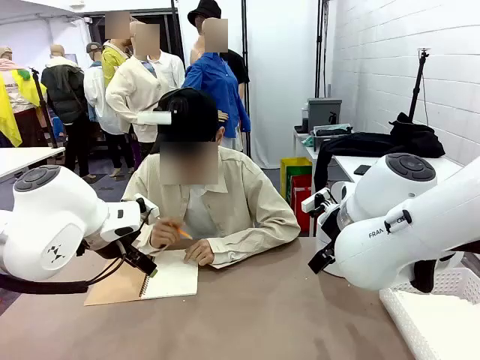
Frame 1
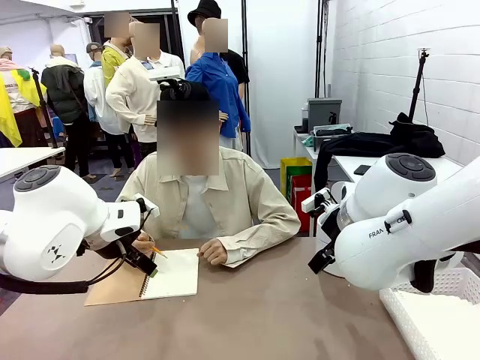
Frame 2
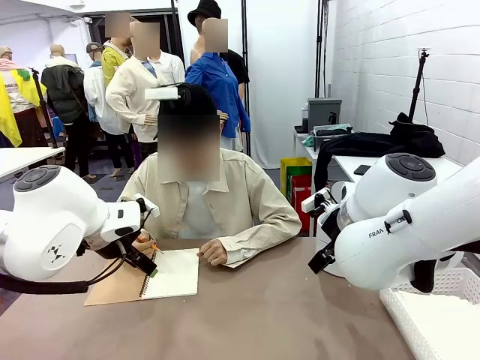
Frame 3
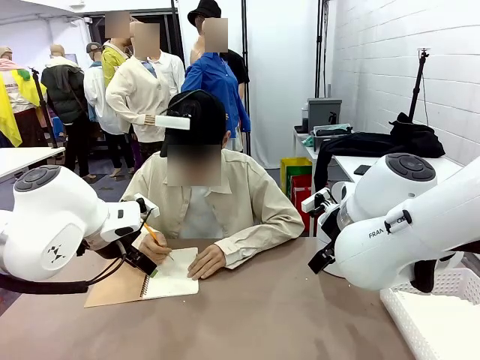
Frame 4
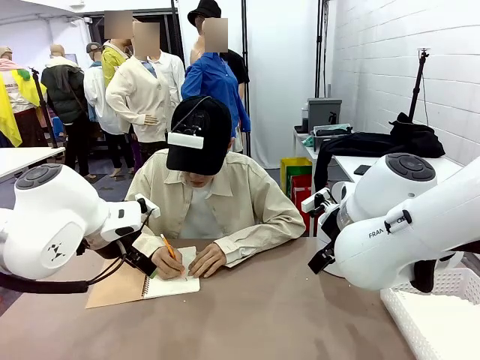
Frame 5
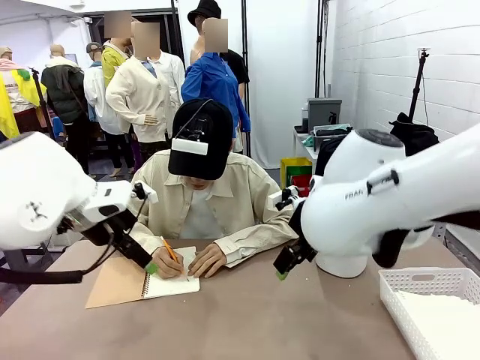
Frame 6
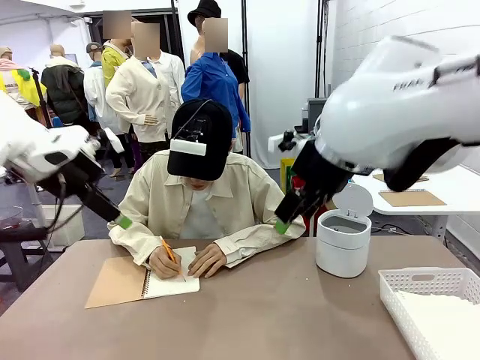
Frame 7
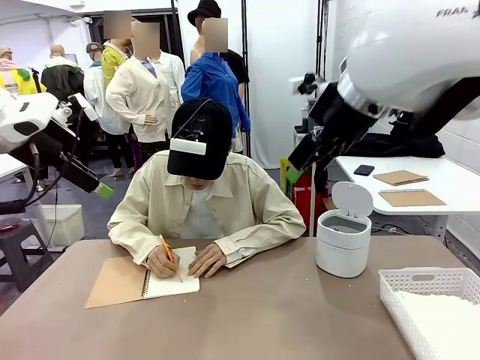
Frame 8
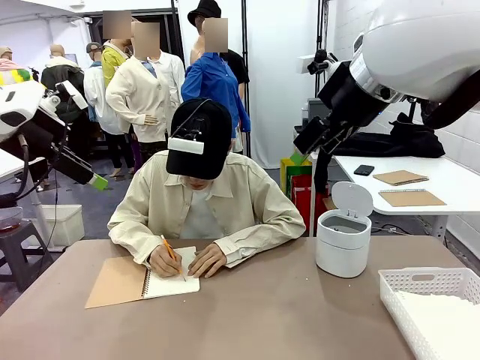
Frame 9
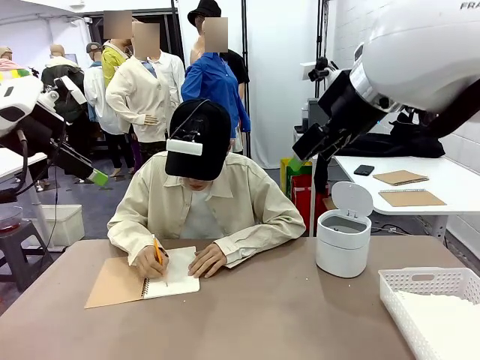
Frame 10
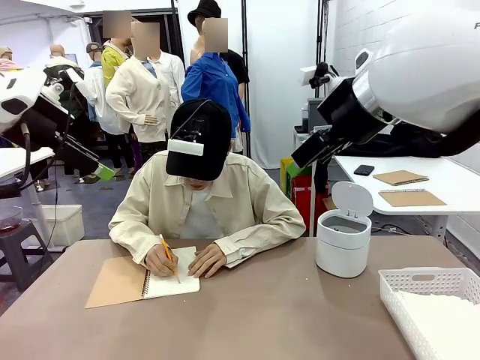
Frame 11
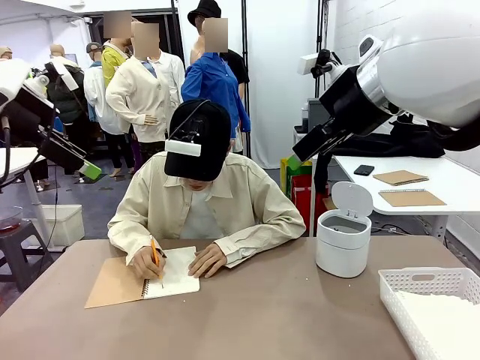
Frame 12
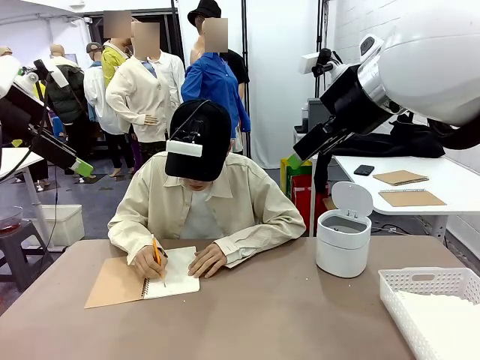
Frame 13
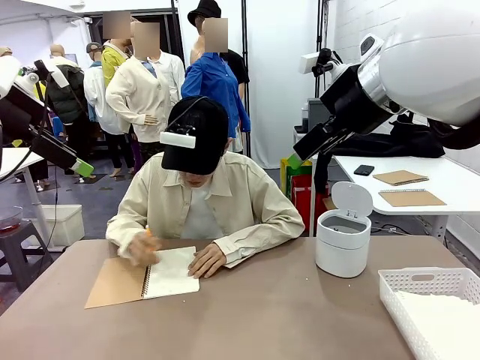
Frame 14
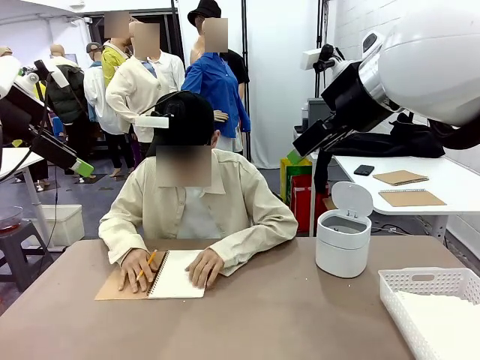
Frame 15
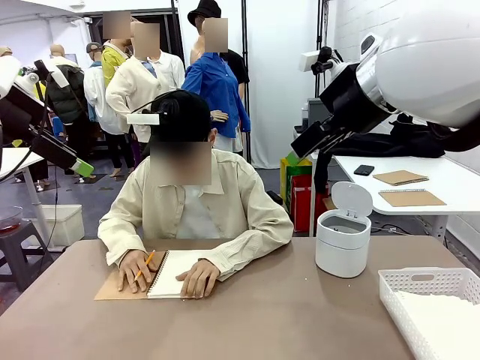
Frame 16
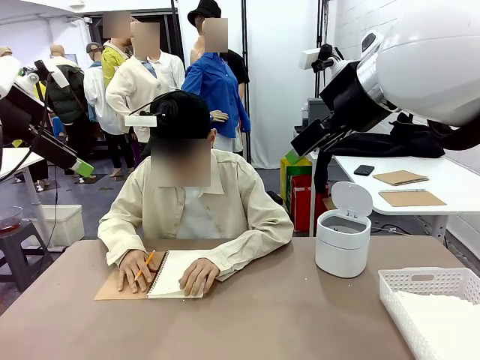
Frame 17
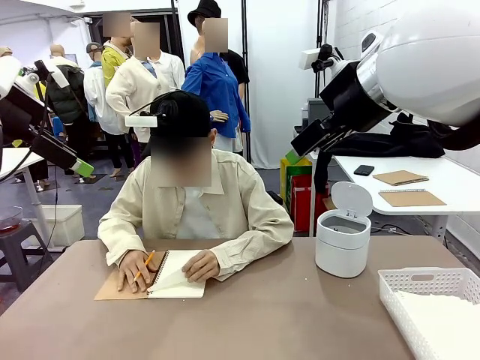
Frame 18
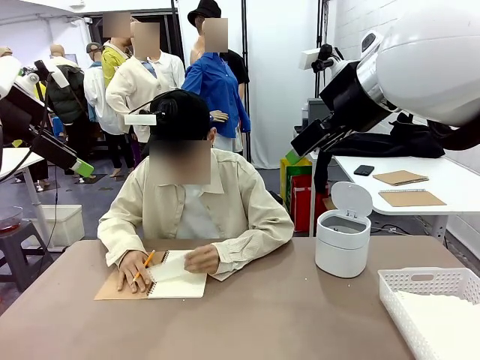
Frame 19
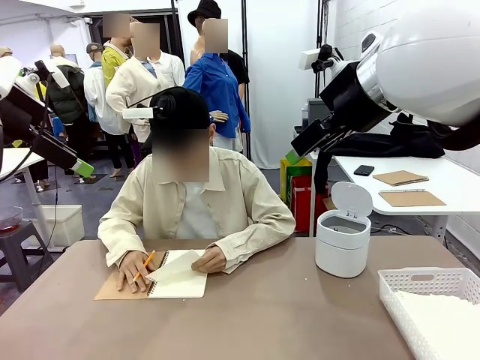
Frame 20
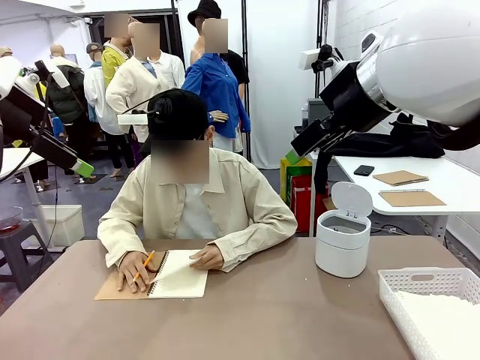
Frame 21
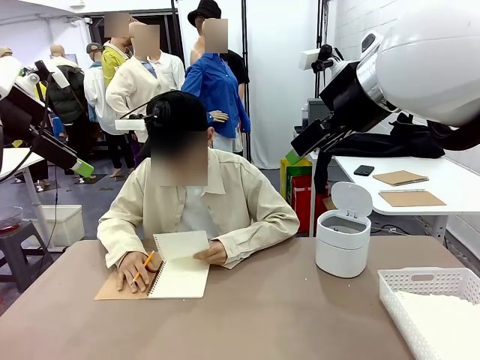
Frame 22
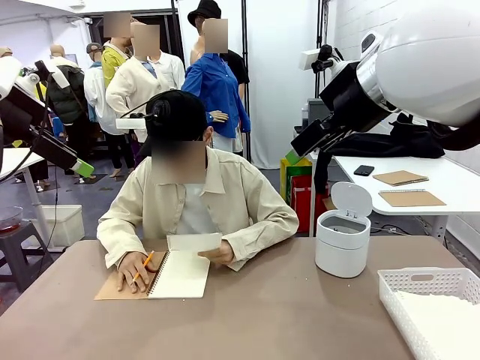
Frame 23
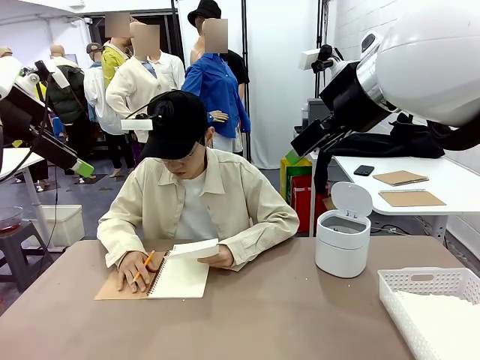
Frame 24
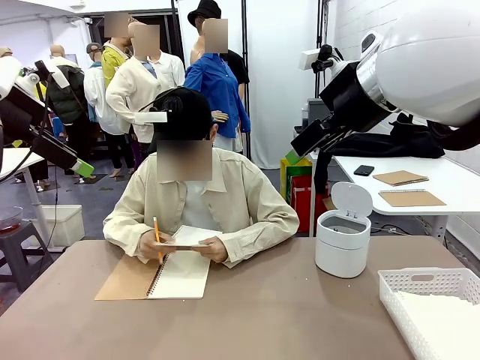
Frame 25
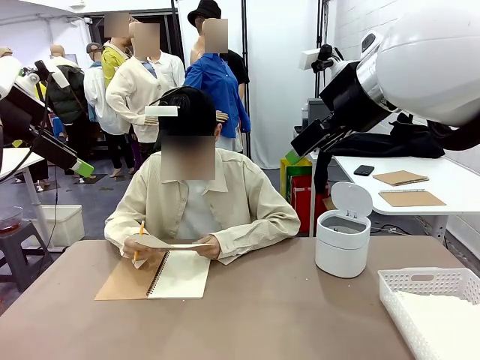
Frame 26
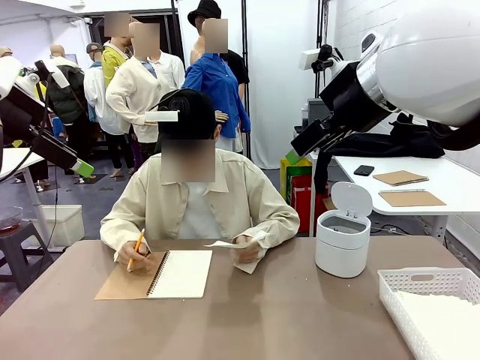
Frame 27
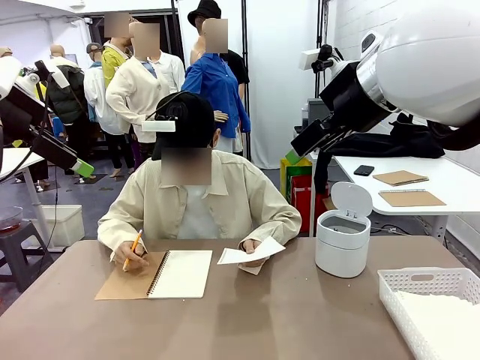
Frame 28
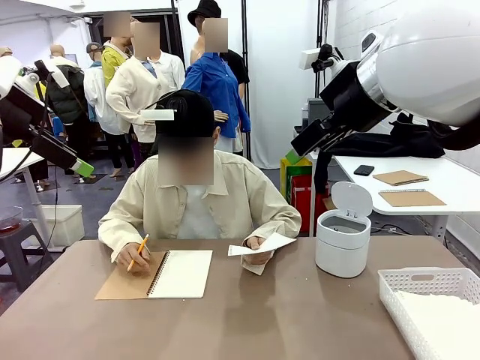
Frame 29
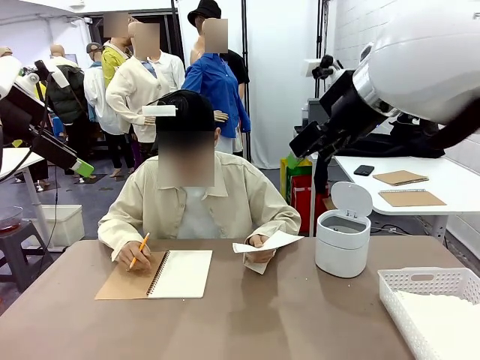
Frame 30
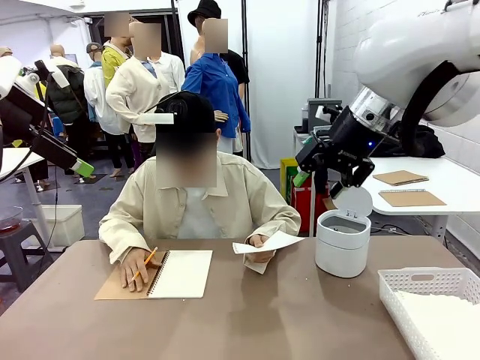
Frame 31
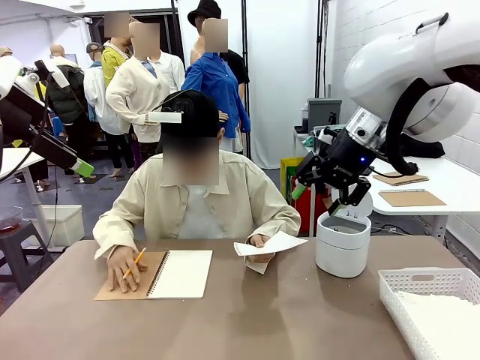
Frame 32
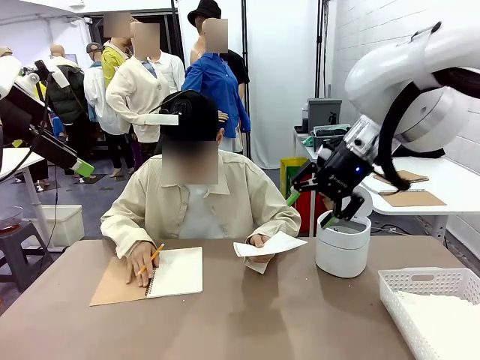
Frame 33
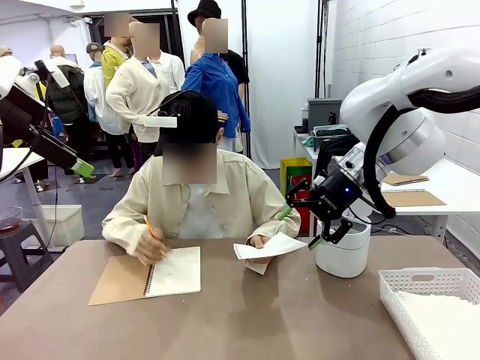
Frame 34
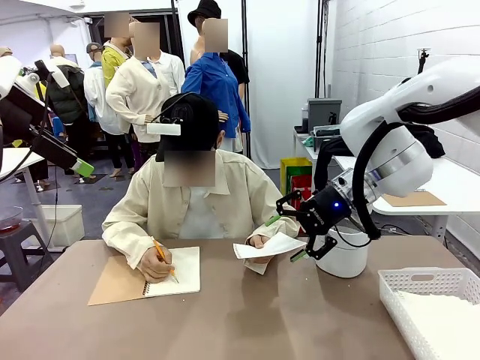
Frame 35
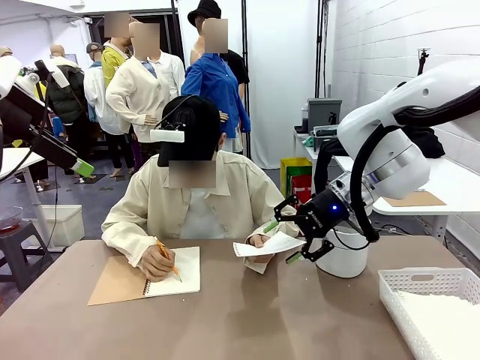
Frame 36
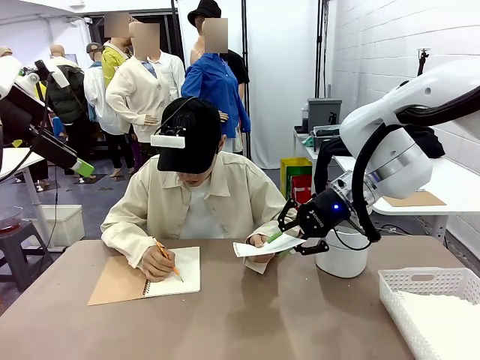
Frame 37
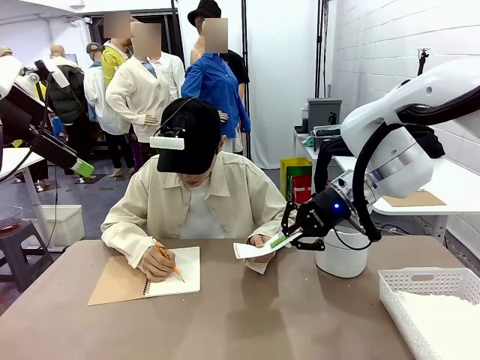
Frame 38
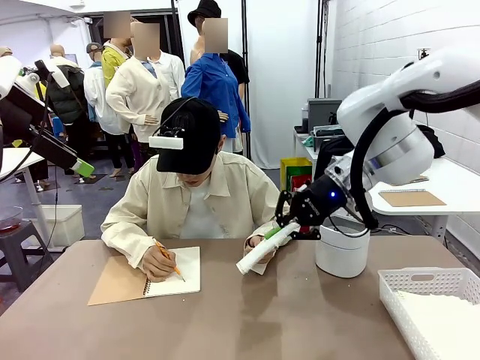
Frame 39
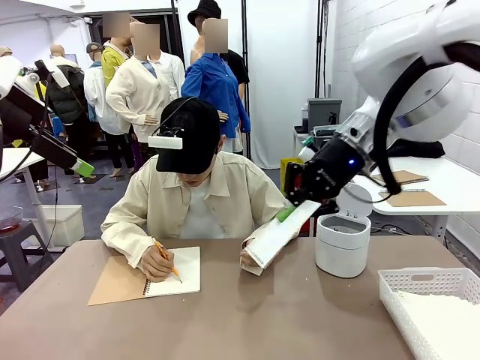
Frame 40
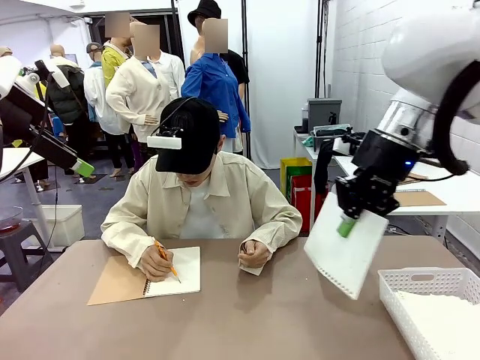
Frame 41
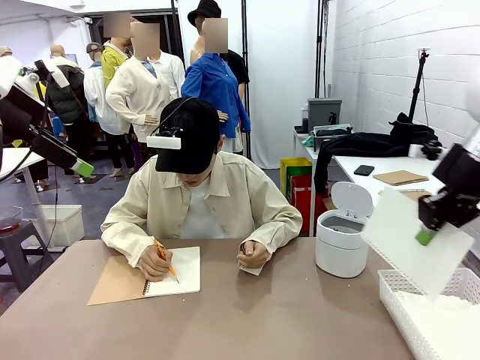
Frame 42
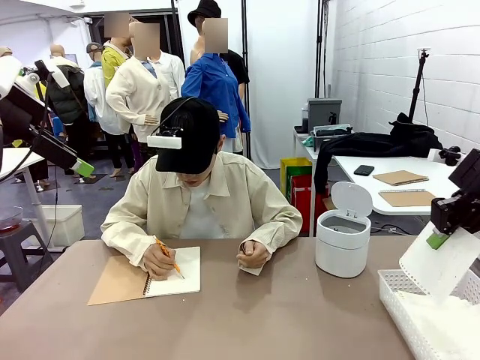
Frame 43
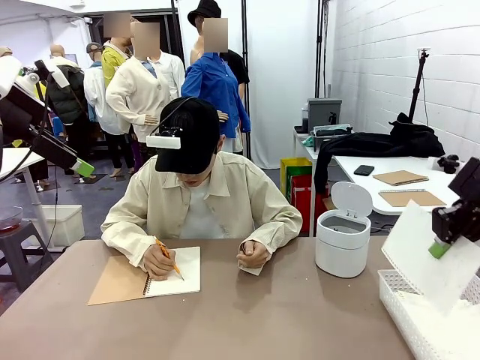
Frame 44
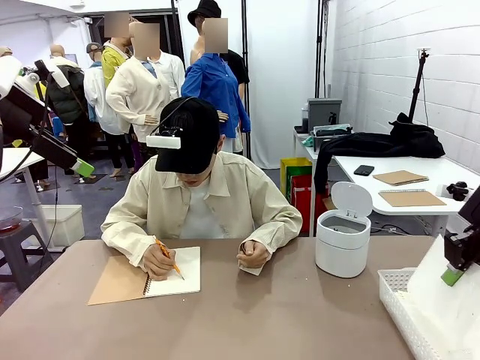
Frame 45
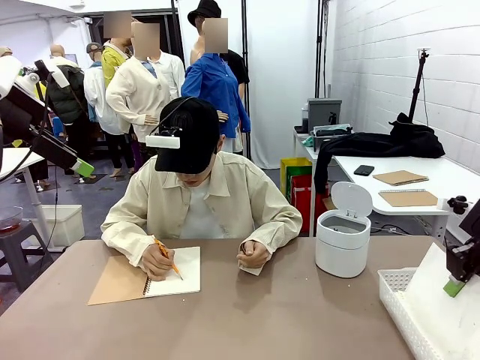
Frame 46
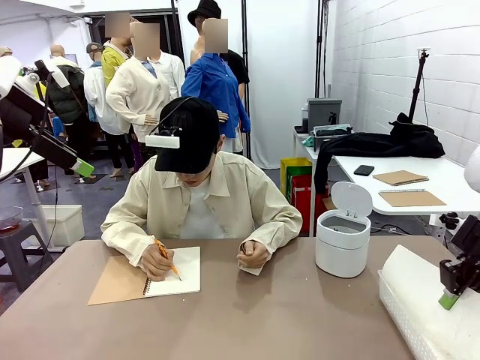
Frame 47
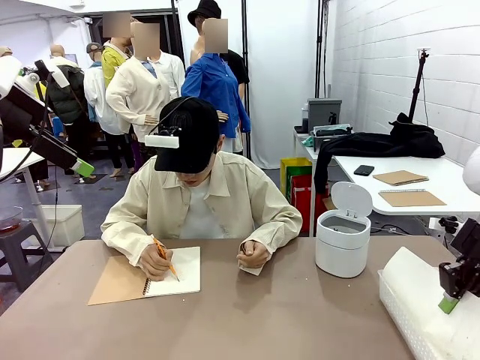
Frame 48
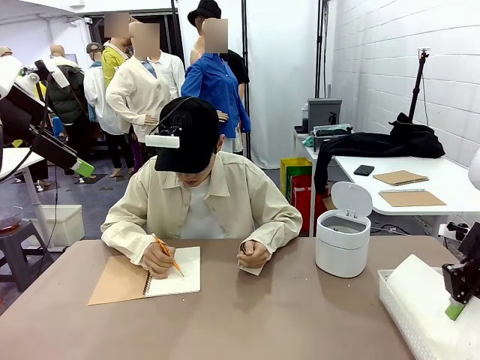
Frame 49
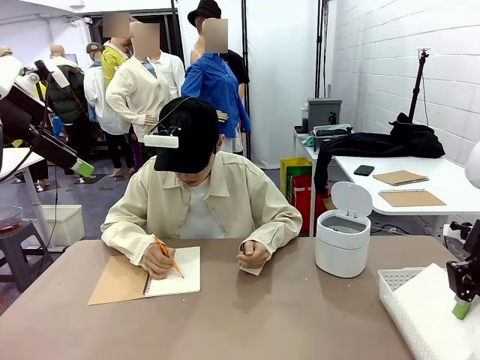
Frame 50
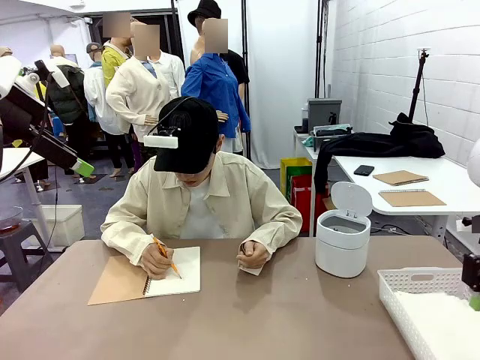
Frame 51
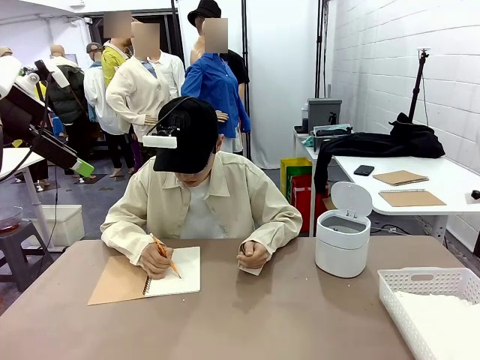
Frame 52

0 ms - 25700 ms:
Task: Sort the paper based on its condition.
Robot: If a person hands you a paper, place it in the Organizing basket , and if it's crumpled, put it in the Trash can.
Person: Tear out a page from the spiral notebook. Hand the torn page to the robot or crumple it and throw it to the center of the table. Tear out a page from the spiral notebook.
